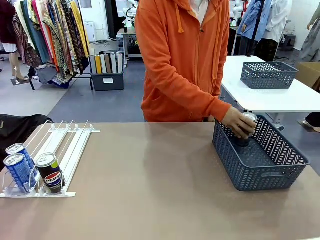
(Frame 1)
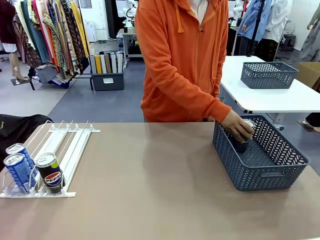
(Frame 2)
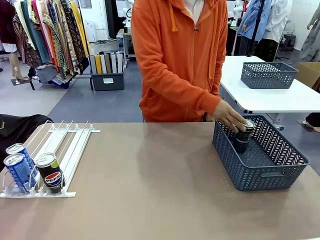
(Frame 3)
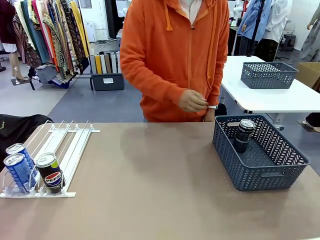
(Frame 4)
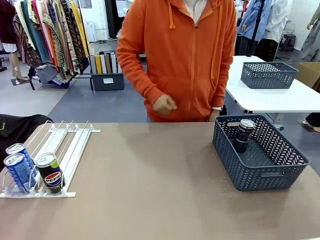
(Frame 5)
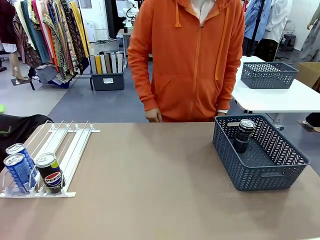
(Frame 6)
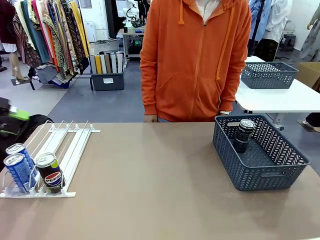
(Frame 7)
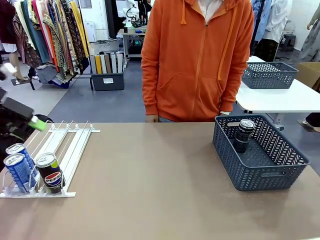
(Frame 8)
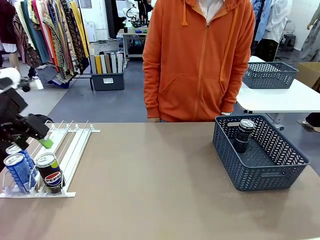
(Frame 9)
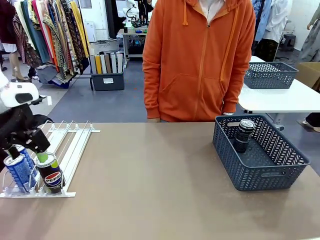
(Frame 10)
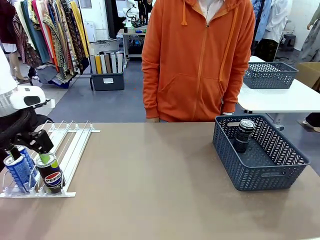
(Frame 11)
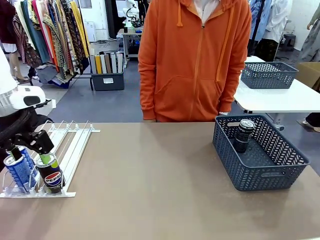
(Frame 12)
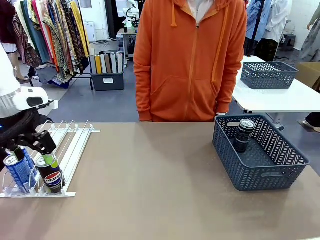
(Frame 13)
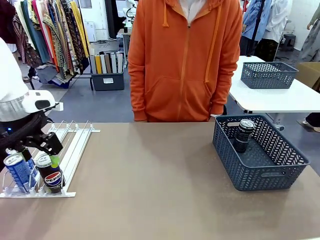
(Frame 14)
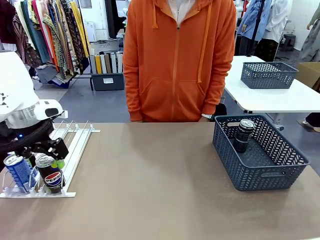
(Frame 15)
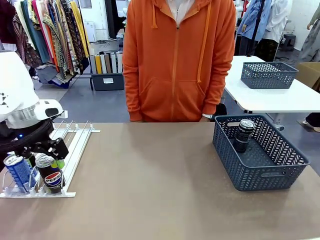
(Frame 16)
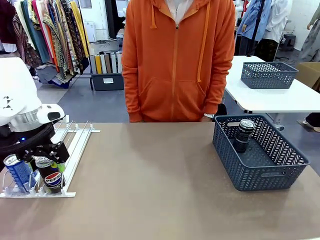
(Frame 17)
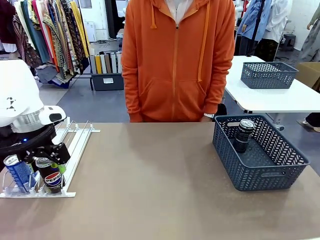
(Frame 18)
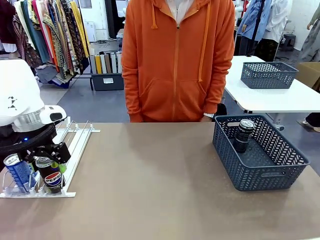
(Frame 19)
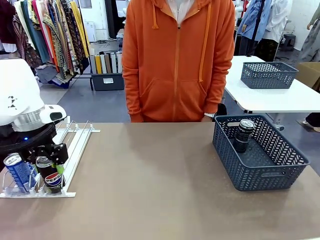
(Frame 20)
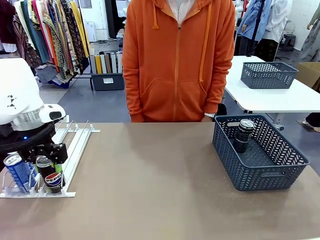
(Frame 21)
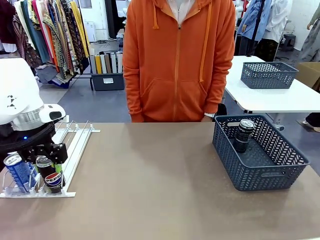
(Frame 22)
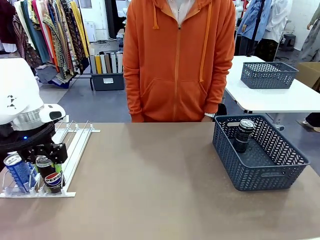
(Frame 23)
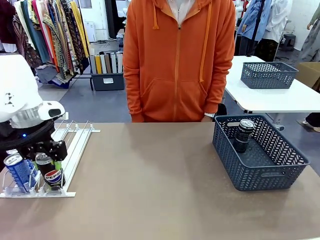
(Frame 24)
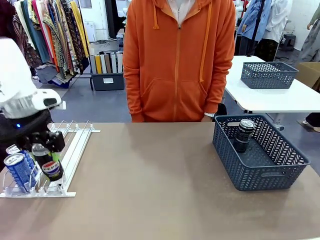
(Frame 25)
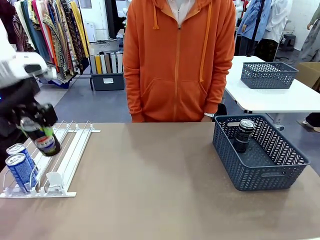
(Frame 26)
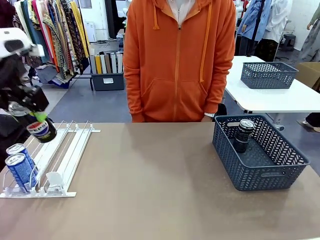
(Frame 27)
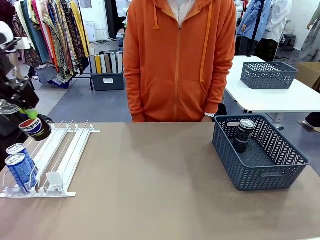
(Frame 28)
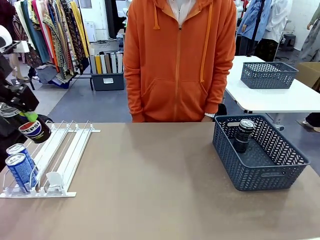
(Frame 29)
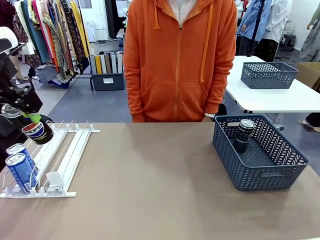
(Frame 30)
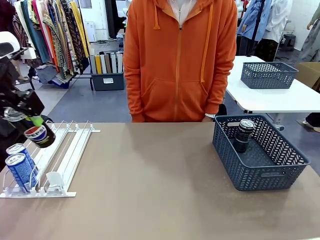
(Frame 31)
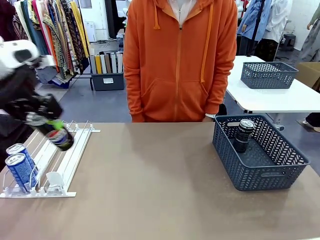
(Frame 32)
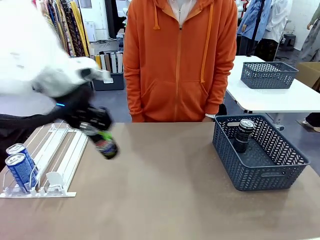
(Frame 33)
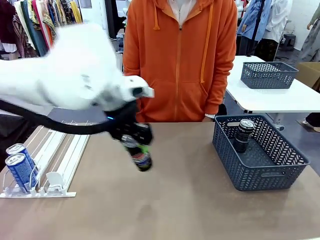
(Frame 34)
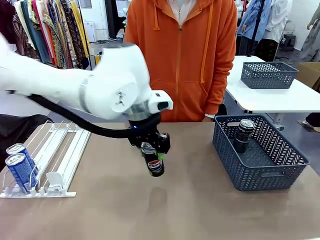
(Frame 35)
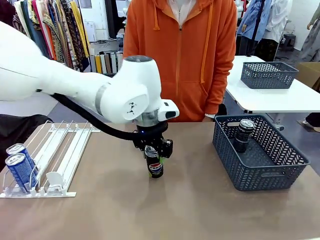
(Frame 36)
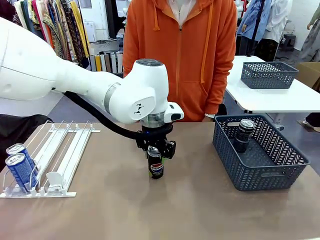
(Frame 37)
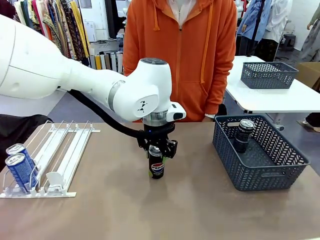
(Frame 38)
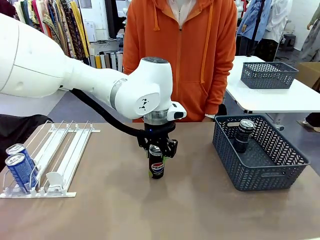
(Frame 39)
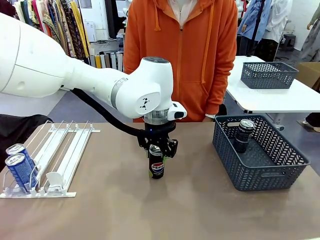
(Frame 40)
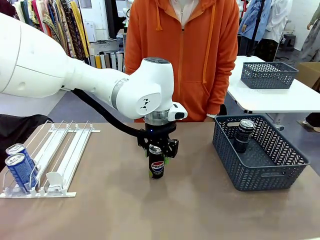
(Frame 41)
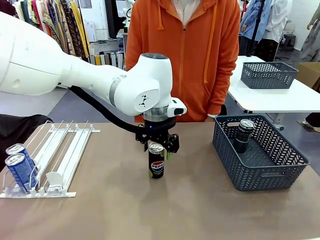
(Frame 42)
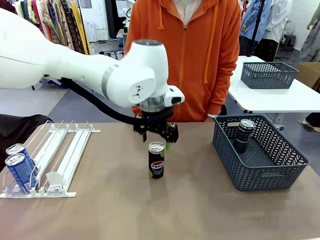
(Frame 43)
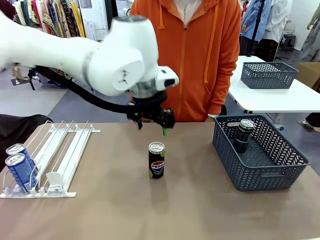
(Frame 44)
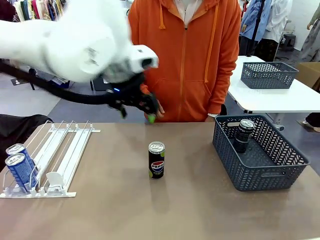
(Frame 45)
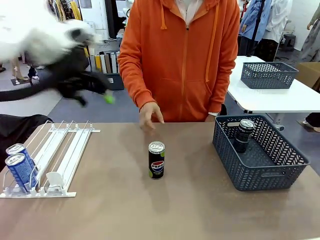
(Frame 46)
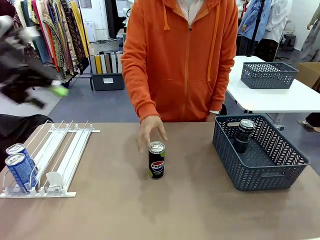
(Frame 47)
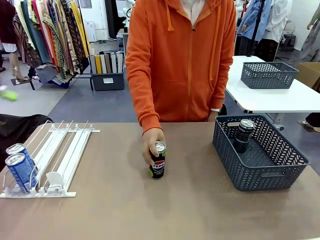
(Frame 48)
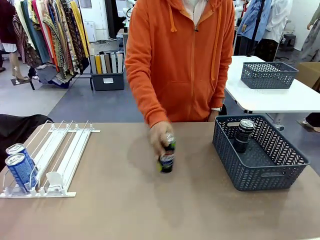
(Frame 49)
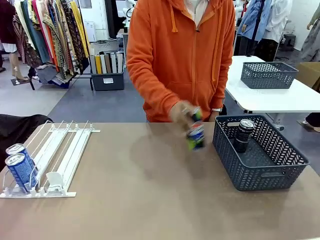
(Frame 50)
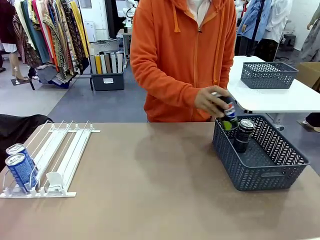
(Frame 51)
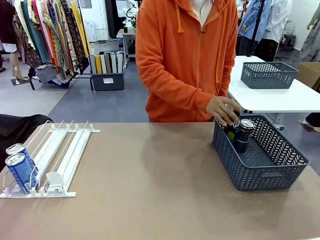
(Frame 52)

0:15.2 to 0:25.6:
Task: Retrieve and store the cans from the dispenser.
Robot: Pick up the last remaining can from one row of the Automatic Can Dispenser and place it in the middle of the table.
Person: Pick up one Pepsi can from the middle of the robot table and place it in the basket.

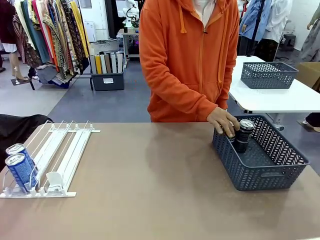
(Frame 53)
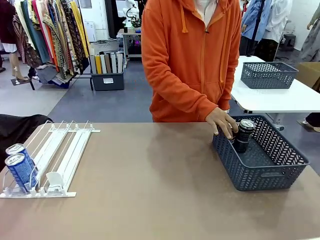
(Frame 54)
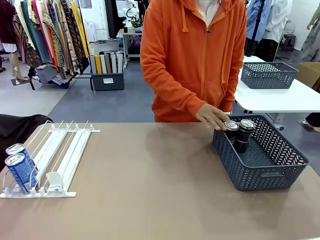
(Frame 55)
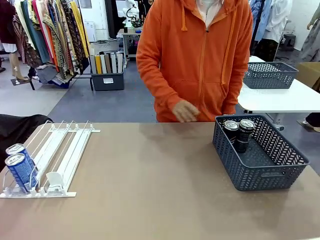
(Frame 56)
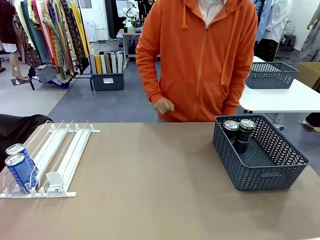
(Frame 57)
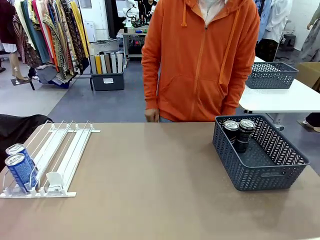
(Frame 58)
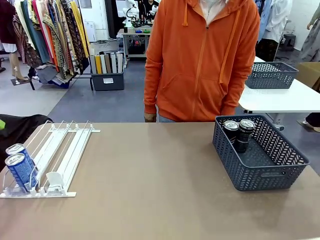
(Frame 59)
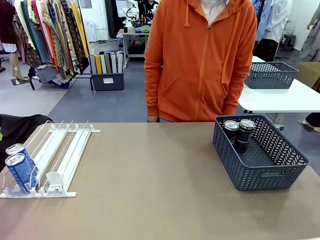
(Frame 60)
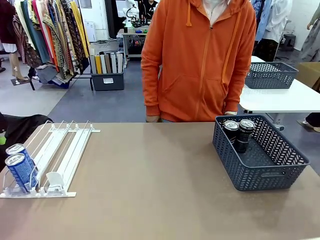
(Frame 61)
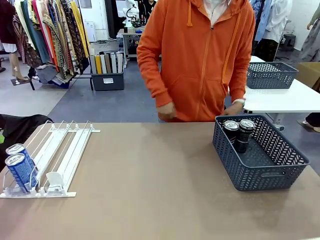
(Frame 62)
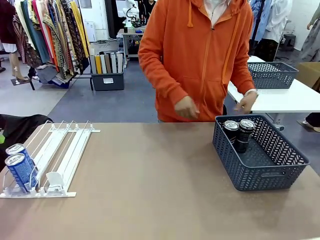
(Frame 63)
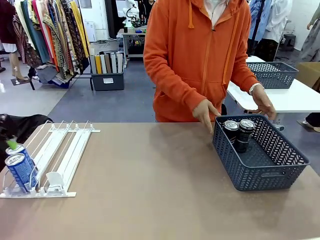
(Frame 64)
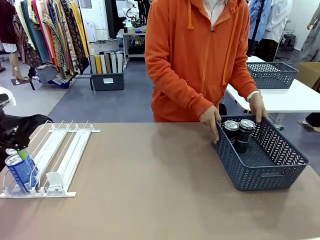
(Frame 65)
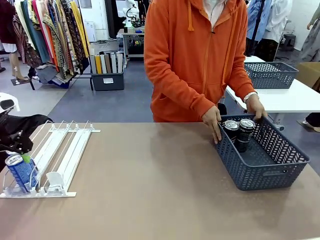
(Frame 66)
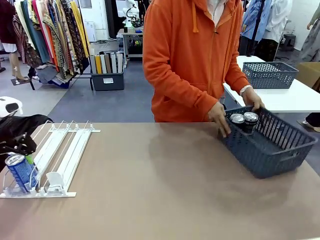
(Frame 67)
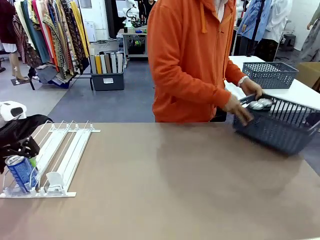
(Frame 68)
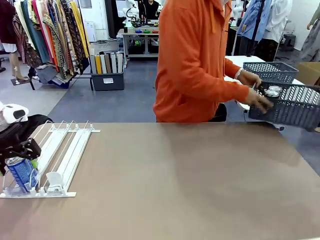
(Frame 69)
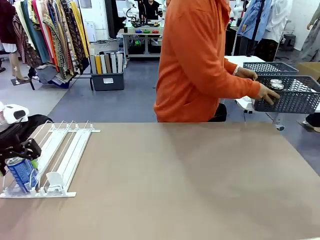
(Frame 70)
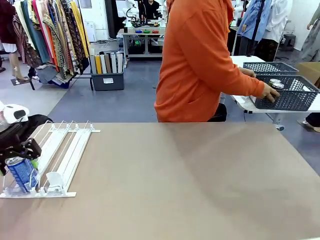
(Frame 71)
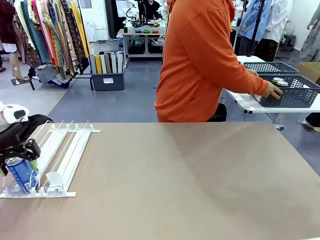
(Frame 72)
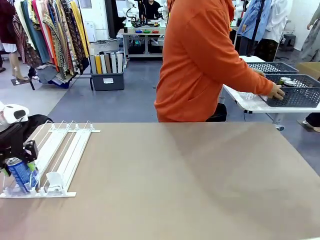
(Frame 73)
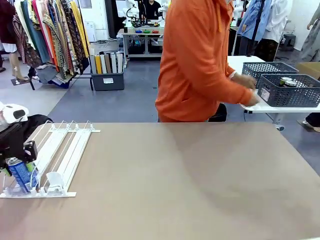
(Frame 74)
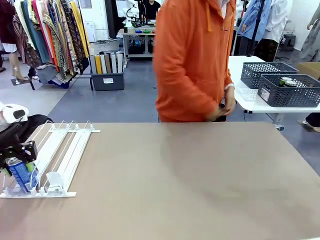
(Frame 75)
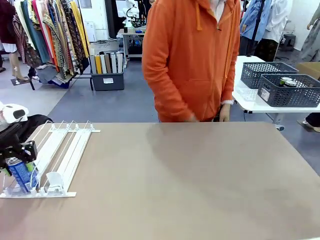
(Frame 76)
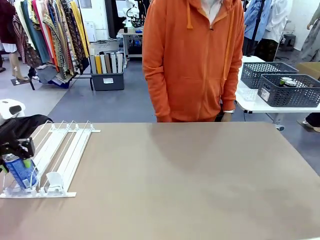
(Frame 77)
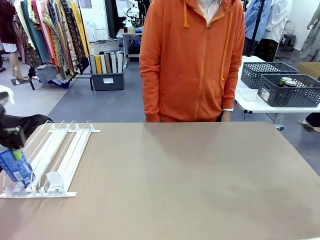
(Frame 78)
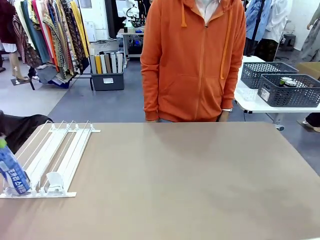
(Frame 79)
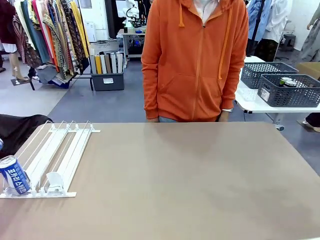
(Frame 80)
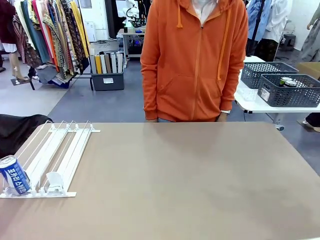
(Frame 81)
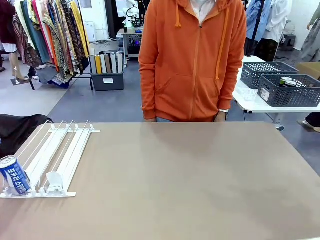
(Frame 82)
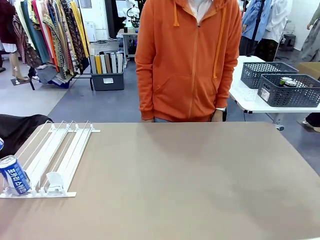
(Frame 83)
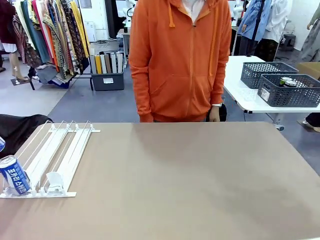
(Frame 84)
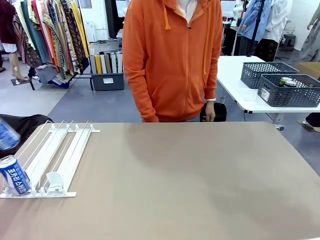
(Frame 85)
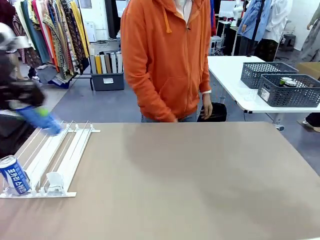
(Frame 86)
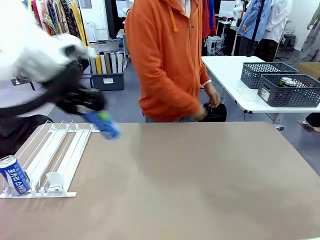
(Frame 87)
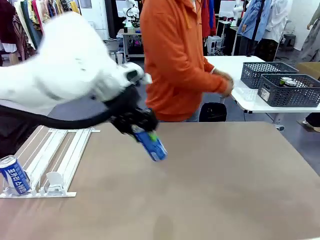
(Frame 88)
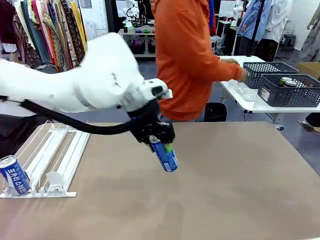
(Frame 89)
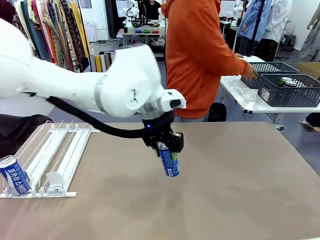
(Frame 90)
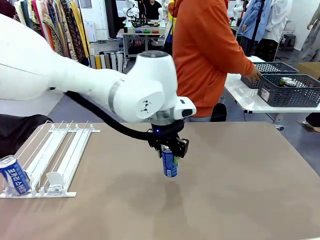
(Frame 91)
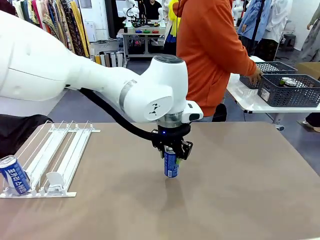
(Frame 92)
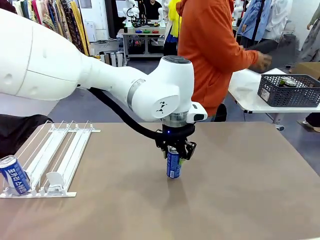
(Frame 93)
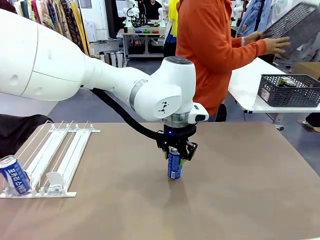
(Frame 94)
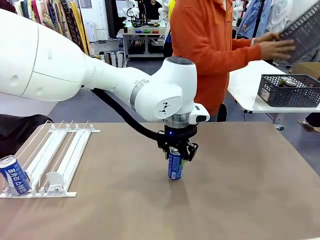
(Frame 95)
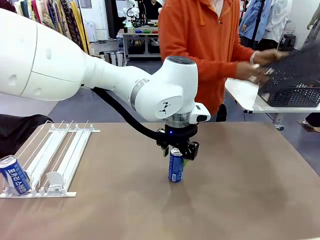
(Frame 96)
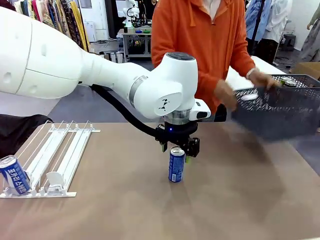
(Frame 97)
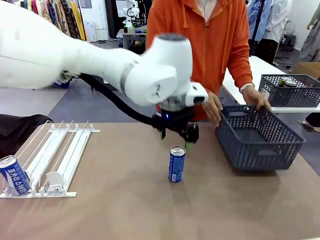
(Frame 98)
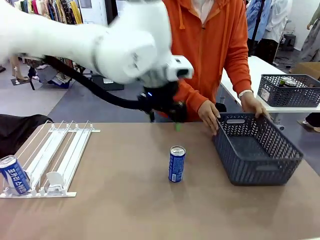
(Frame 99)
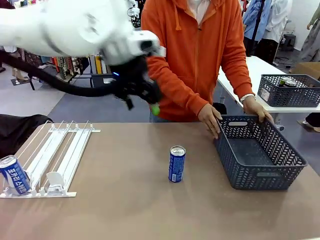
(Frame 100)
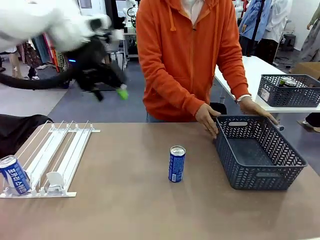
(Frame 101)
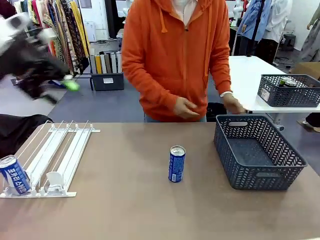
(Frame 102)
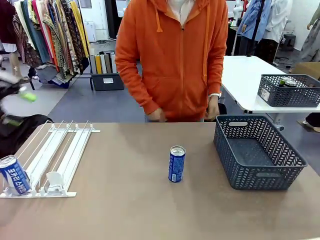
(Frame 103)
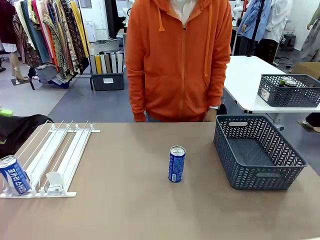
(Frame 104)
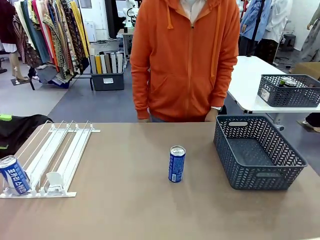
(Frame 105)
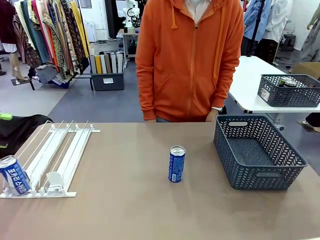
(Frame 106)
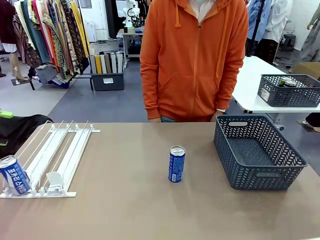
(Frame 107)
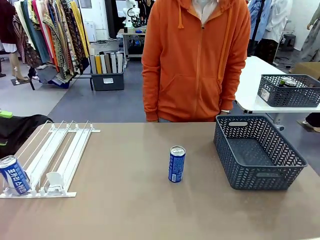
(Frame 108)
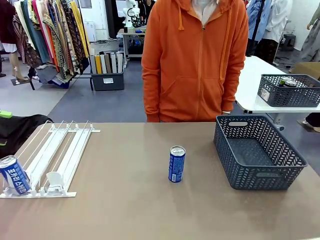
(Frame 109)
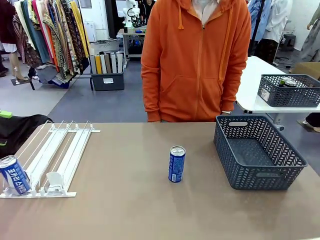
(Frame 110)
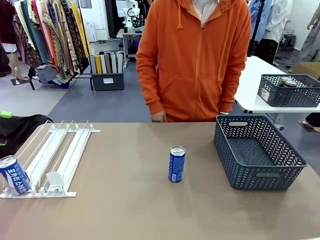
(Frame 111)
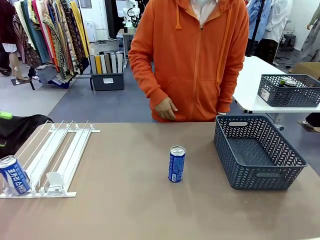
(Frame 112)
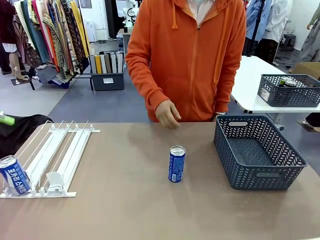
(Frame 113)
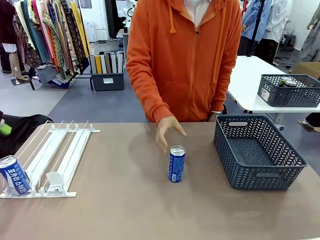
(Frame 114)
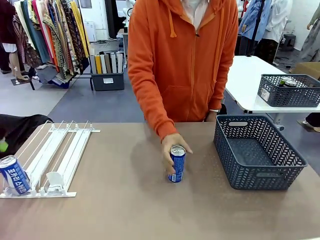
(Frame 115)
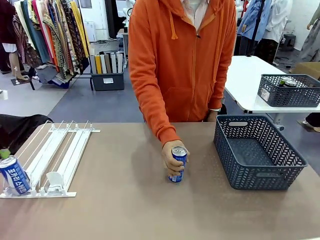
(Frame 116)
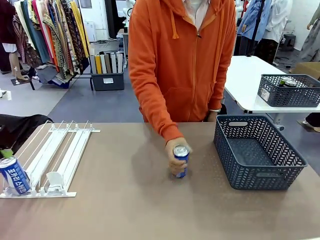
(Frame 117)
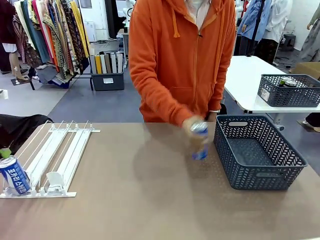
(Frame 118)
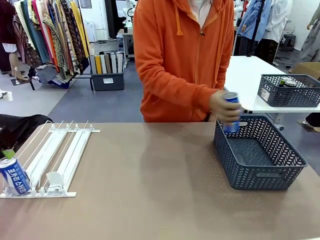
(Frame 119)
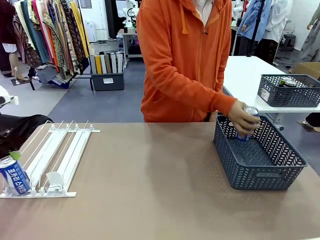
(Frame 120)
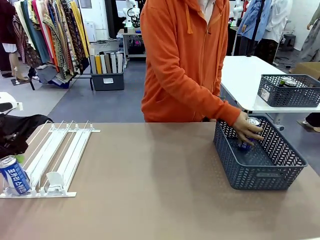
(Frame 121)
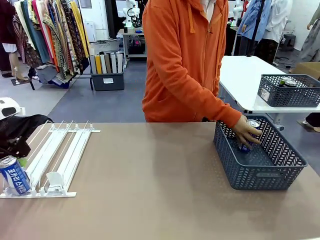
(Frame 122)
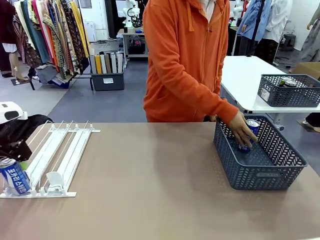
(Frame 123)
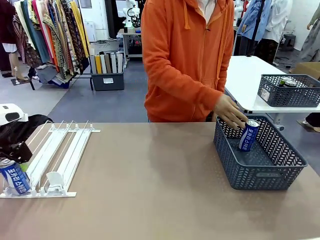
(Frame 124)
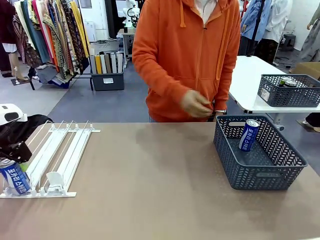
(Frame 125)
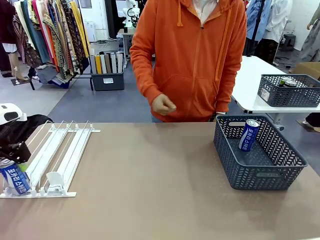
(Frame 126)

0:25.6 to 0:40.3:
Robot: Pick up one can from the Automatic Can Dispenser and place it in the middle of the table.
Person: Pick up the basket and place it in the middle of the human table. Pick up the empty basket and place it on the left side of the robot table.
